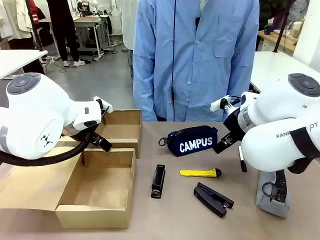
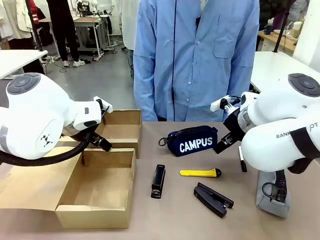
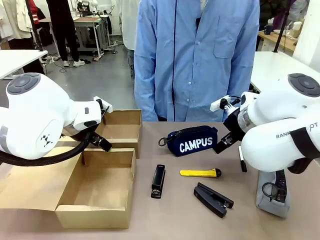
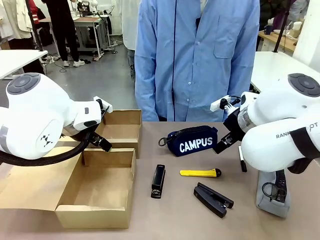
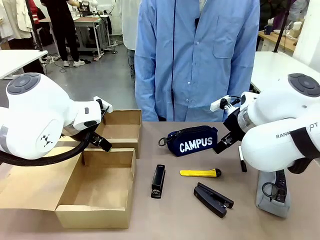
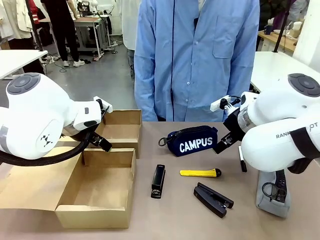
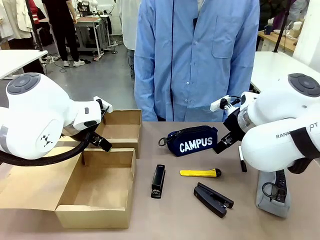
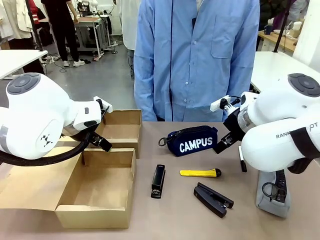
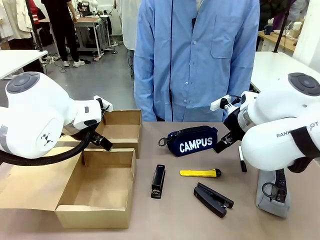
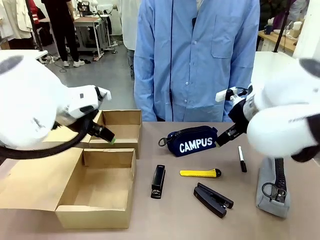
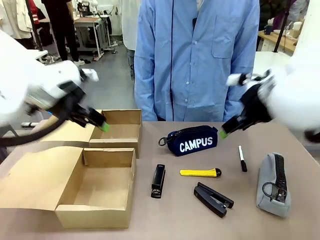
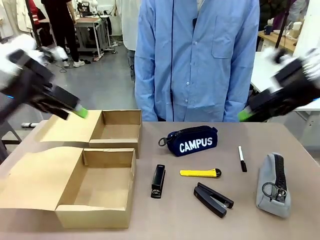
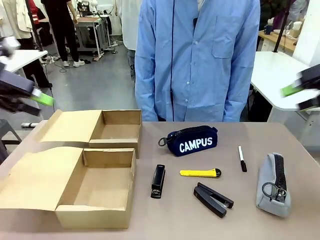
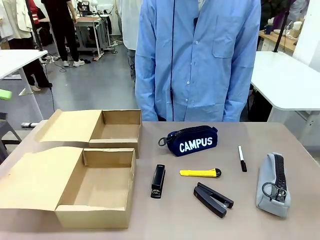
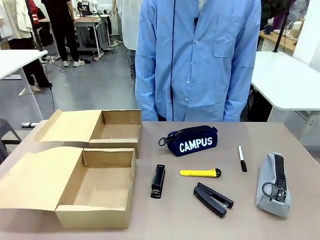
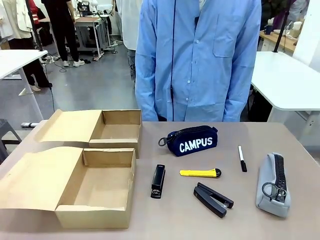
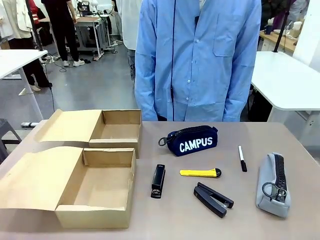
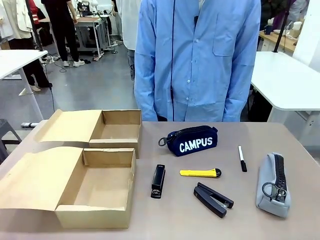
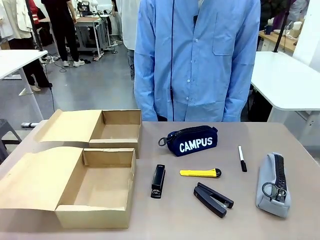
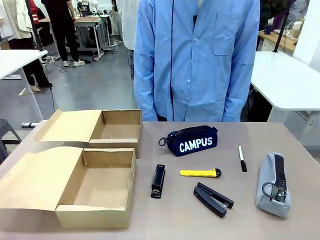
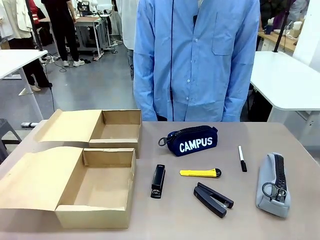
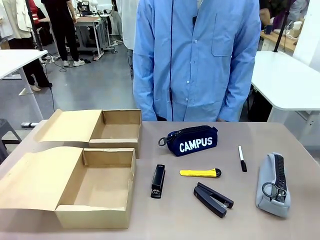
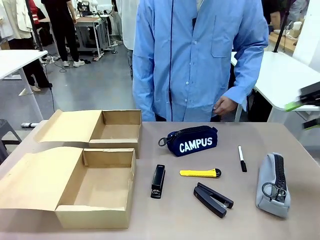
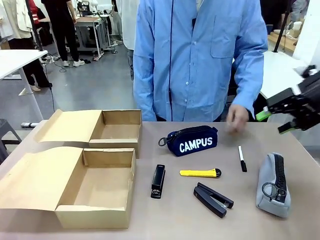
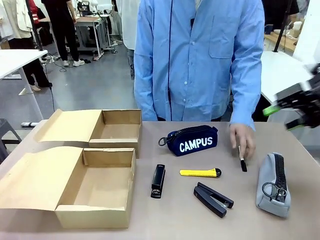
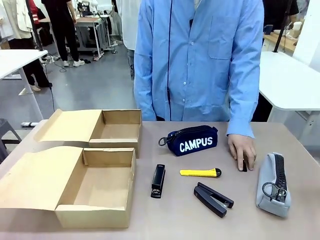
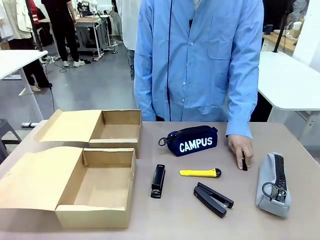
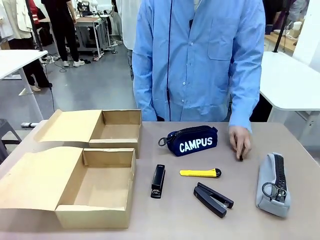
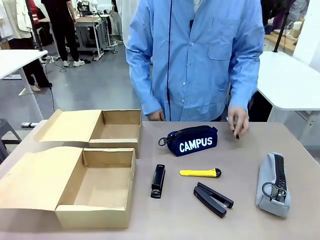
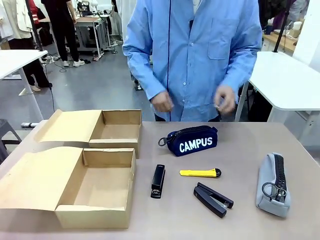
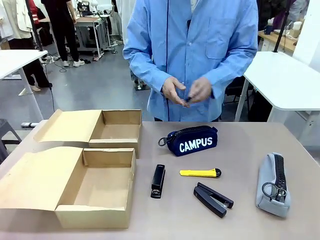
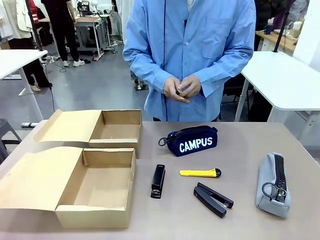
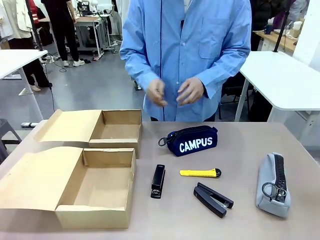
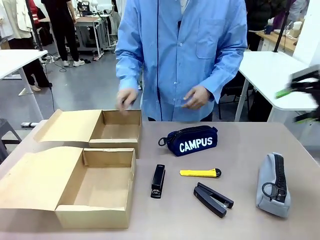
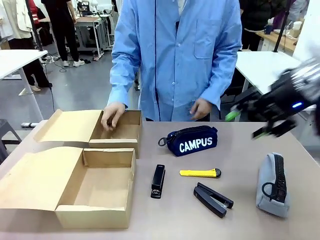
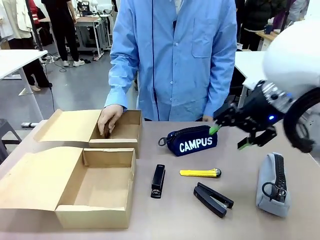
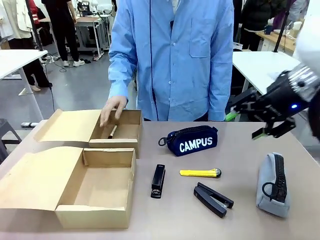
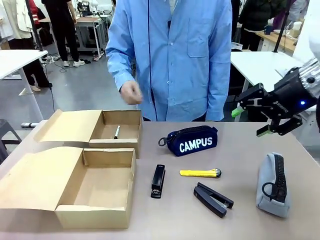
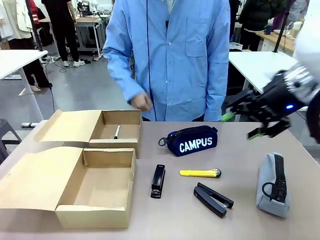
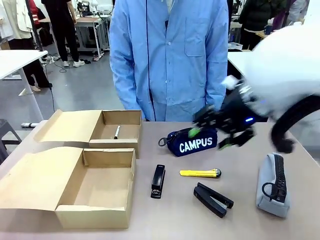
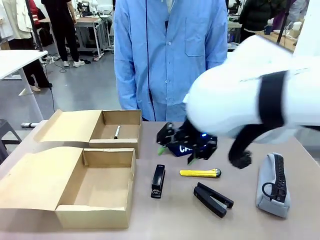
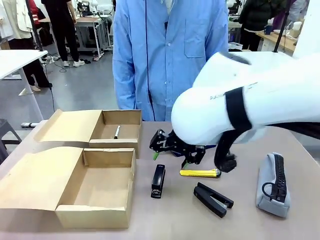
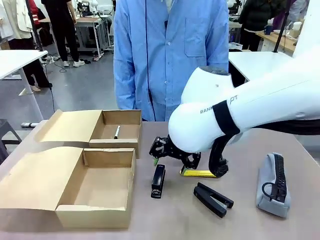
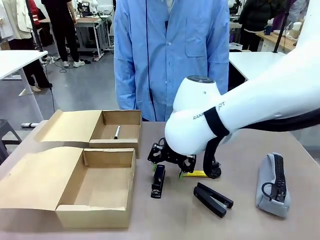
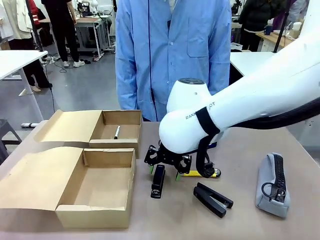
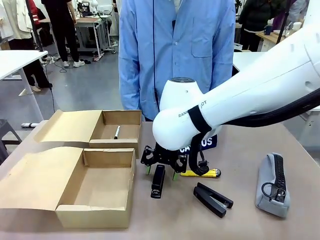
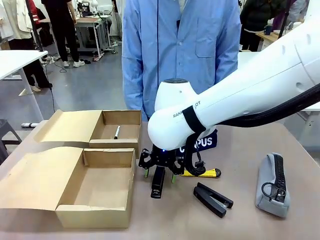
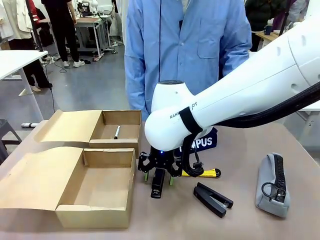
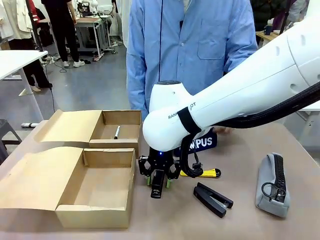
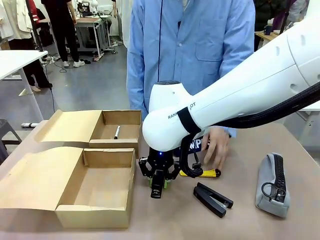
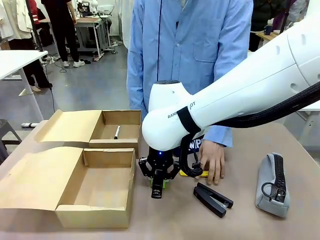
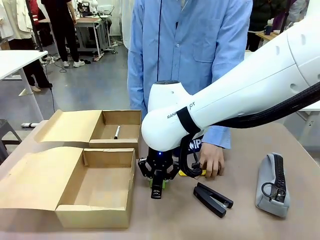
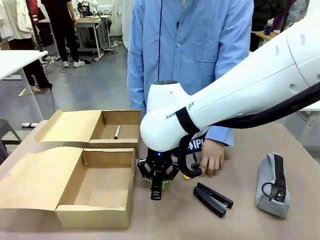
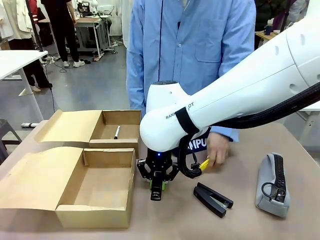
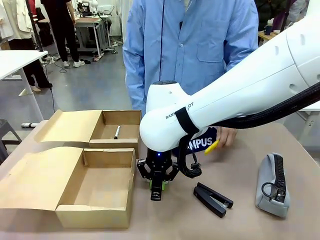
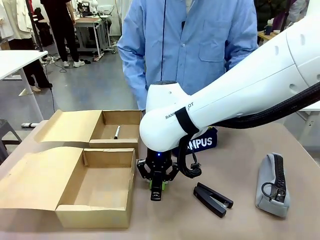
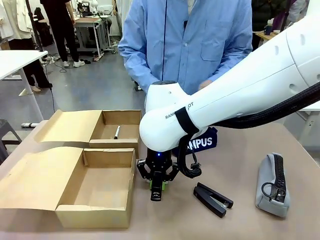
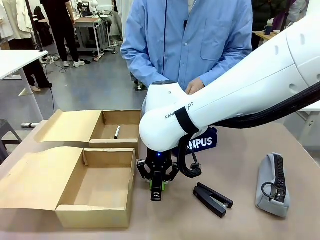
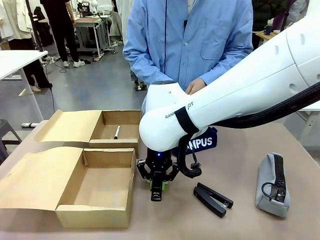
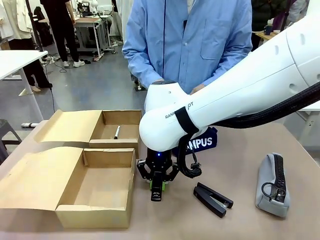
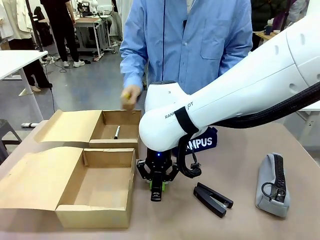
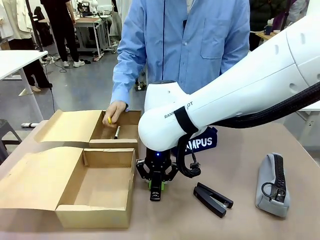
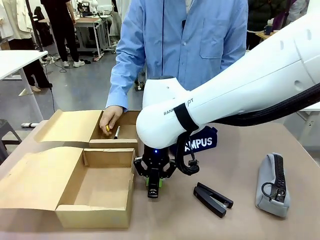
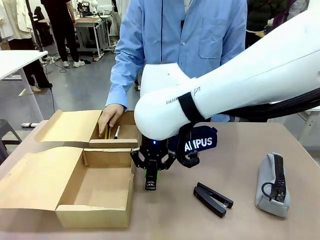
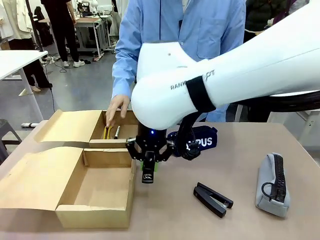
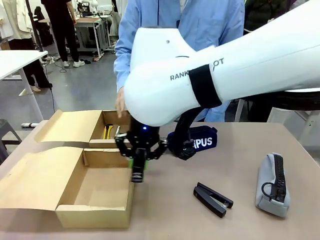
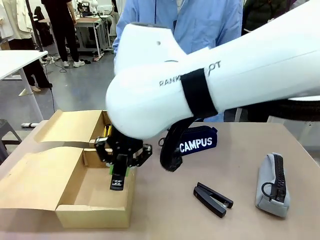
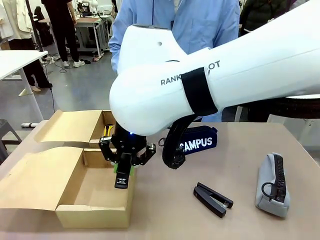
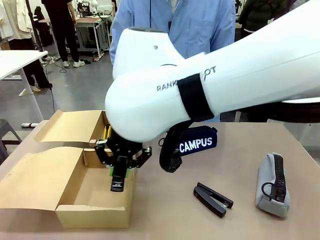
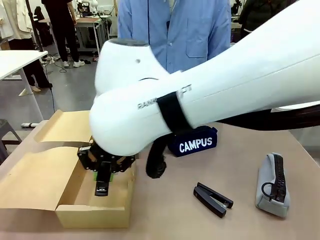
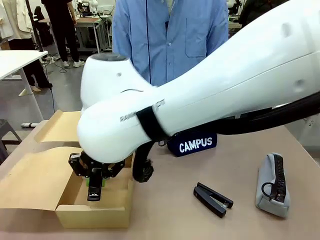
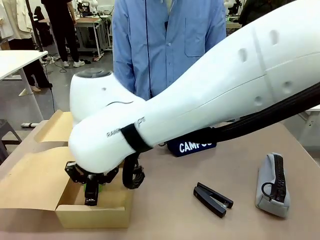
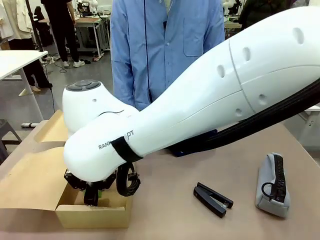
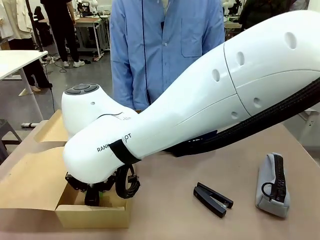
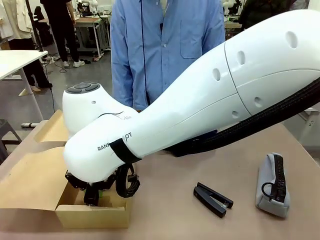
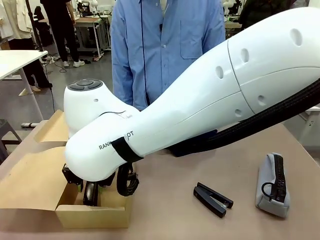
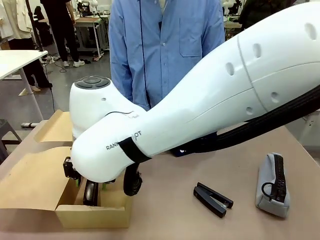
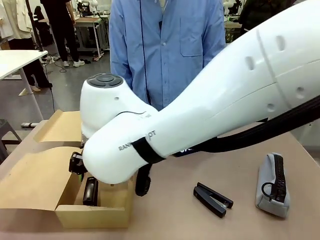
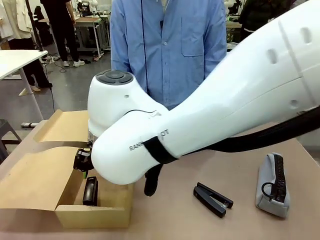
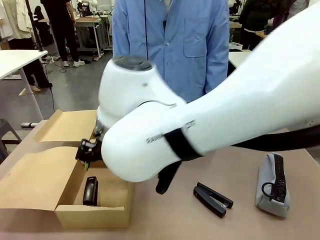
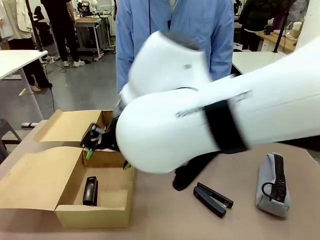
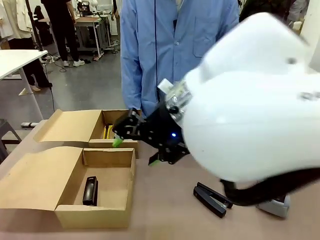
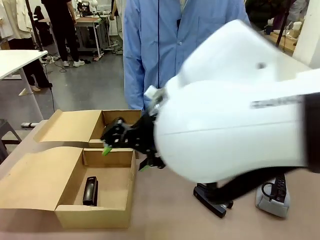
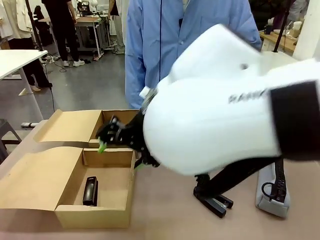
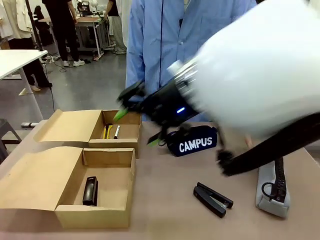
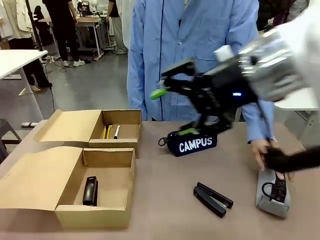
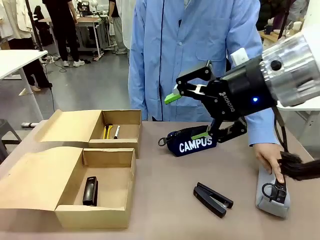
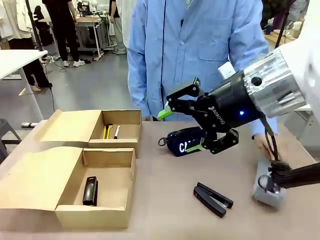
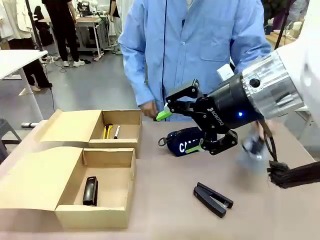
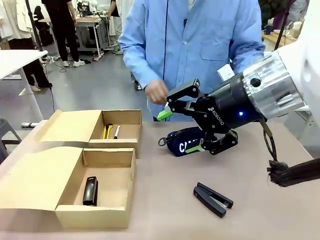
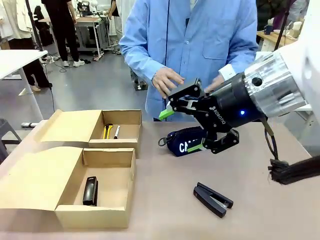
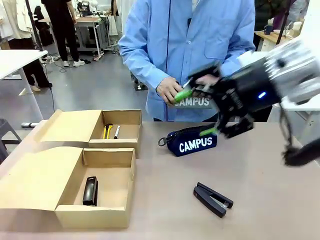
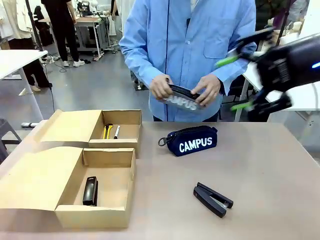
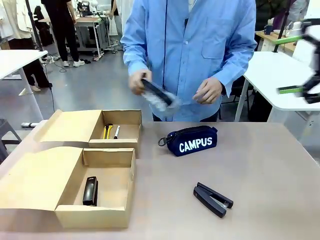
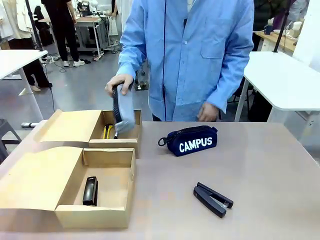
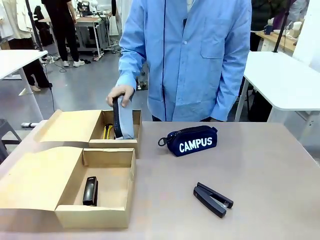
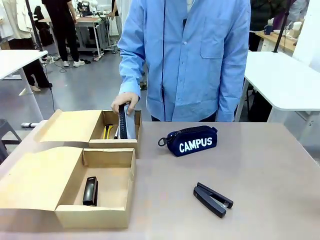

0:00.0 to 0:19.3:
Task: Place items inside the box.
Robot: Pick up a Pencil pouch or Stapler and place it inside the Mailer Box closest to the robot.
Person: Pick up an object on the table and put it in the box.
